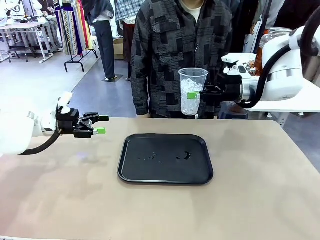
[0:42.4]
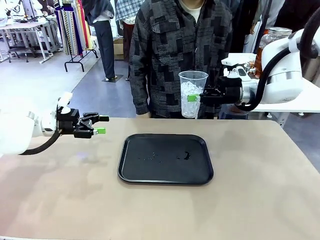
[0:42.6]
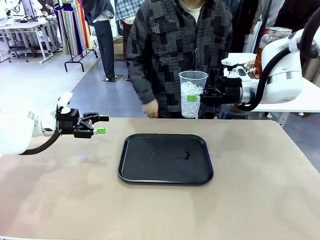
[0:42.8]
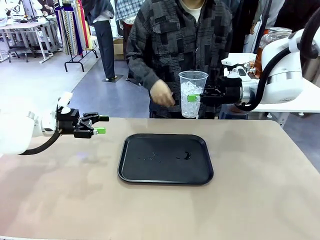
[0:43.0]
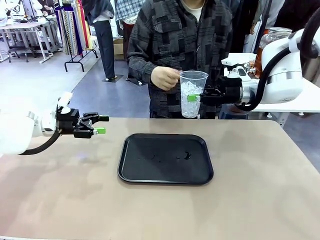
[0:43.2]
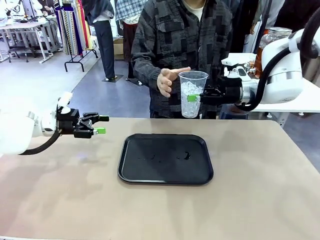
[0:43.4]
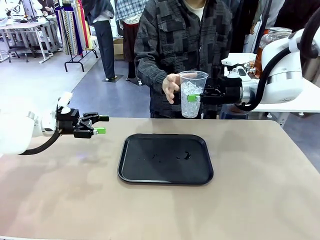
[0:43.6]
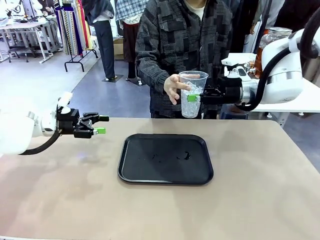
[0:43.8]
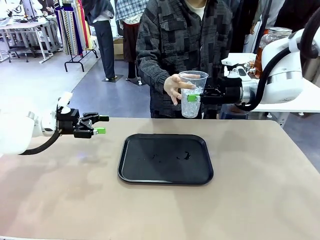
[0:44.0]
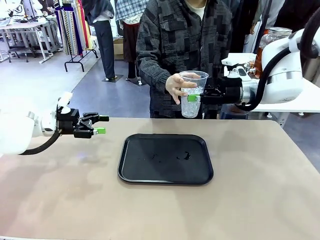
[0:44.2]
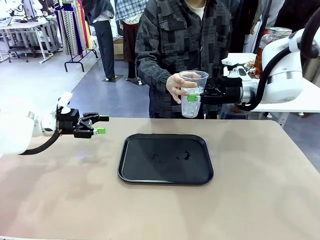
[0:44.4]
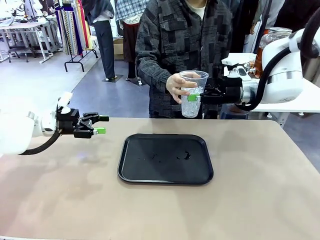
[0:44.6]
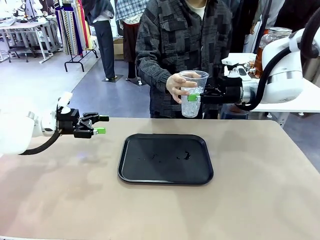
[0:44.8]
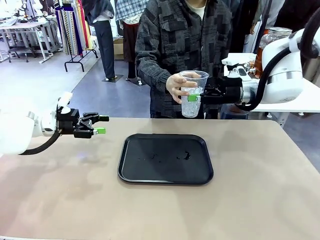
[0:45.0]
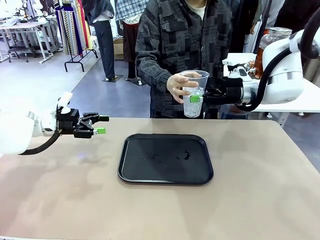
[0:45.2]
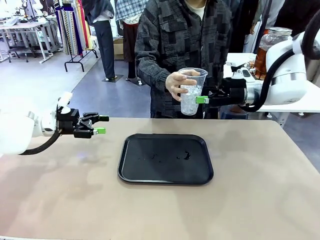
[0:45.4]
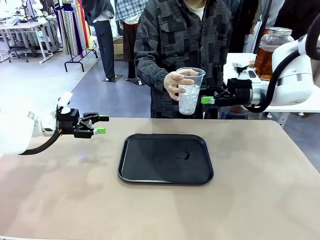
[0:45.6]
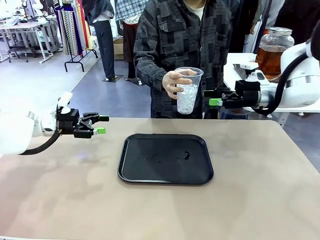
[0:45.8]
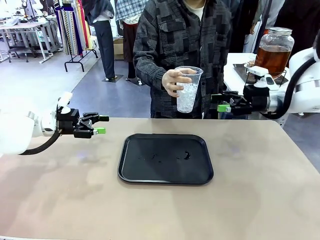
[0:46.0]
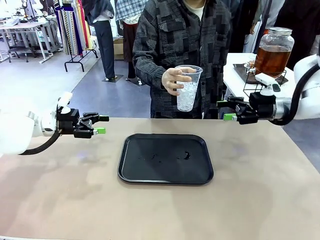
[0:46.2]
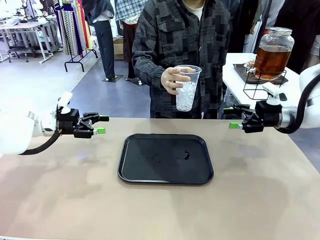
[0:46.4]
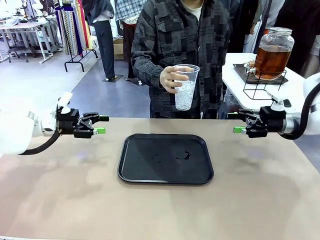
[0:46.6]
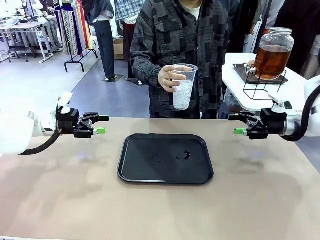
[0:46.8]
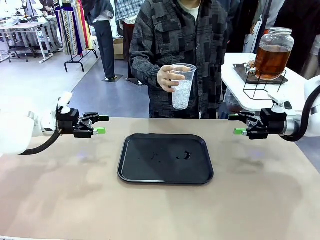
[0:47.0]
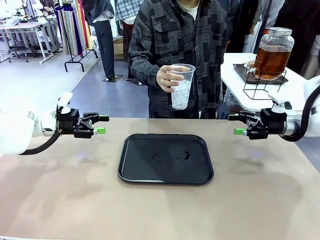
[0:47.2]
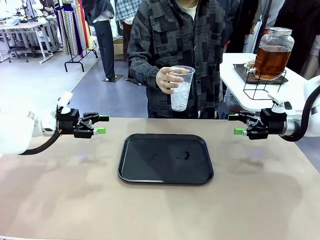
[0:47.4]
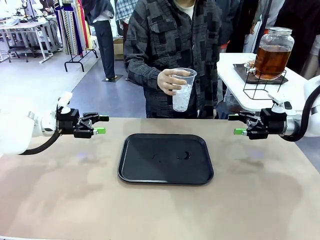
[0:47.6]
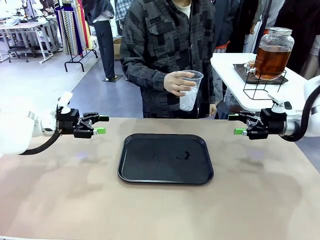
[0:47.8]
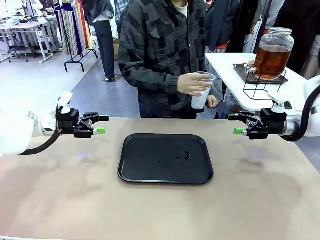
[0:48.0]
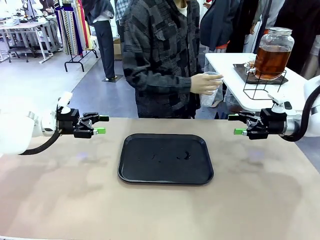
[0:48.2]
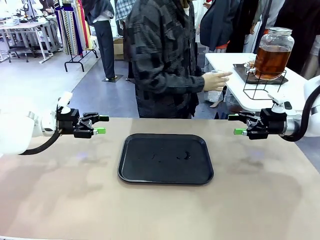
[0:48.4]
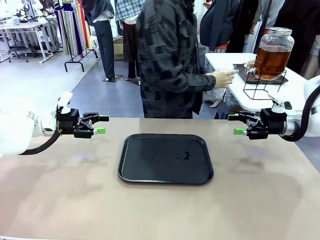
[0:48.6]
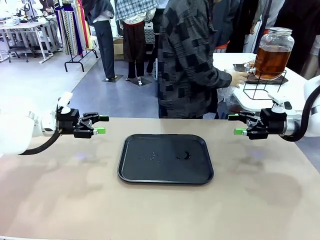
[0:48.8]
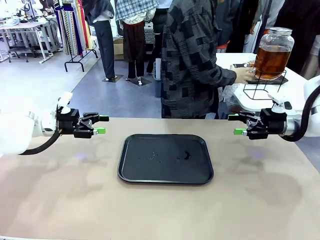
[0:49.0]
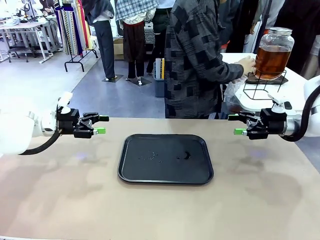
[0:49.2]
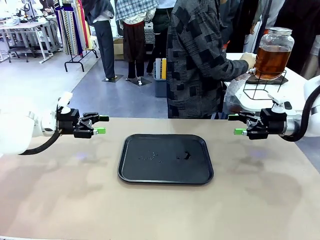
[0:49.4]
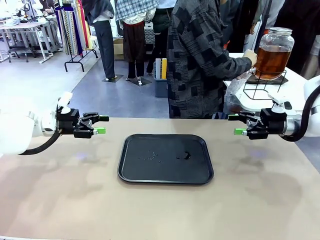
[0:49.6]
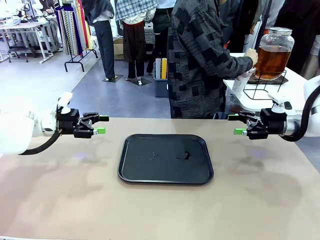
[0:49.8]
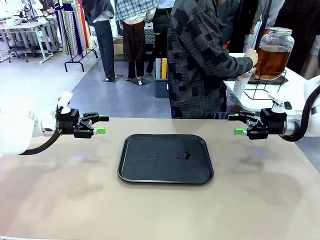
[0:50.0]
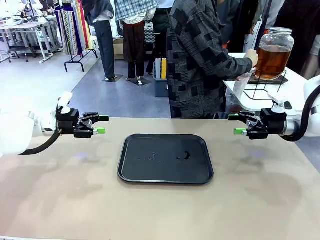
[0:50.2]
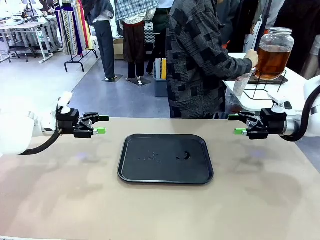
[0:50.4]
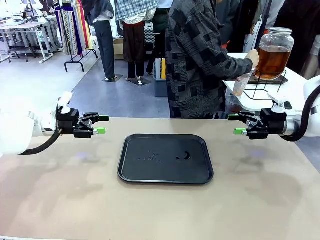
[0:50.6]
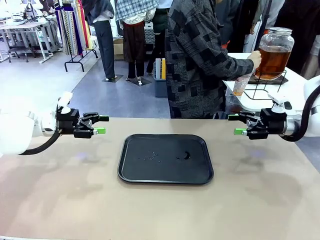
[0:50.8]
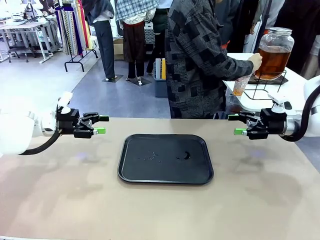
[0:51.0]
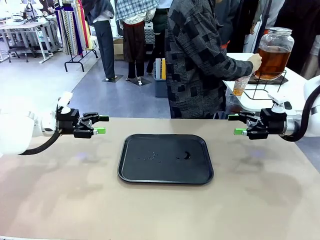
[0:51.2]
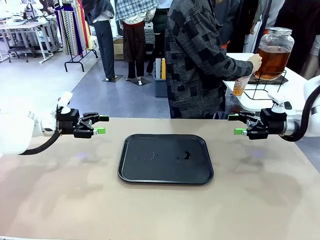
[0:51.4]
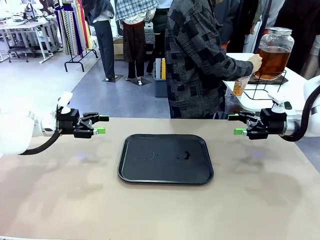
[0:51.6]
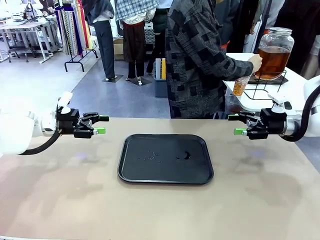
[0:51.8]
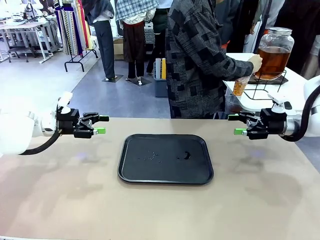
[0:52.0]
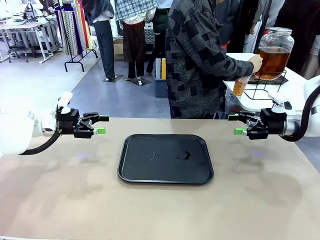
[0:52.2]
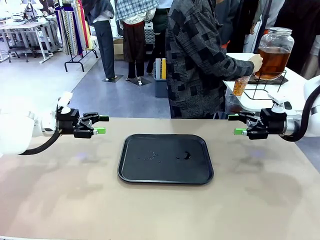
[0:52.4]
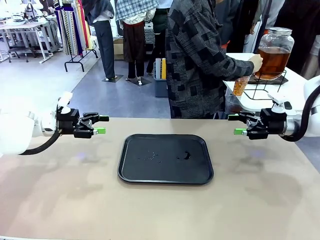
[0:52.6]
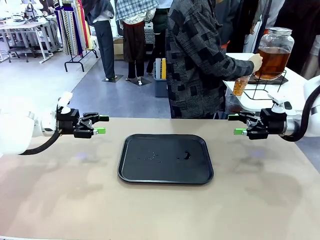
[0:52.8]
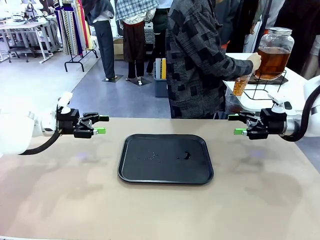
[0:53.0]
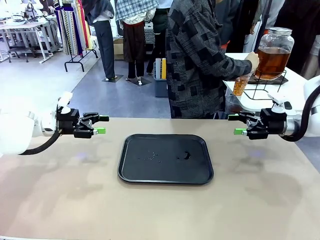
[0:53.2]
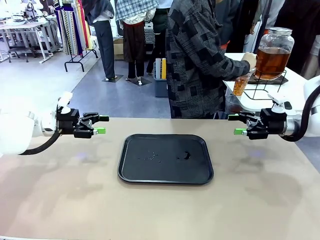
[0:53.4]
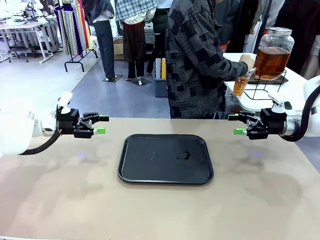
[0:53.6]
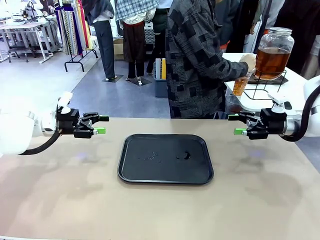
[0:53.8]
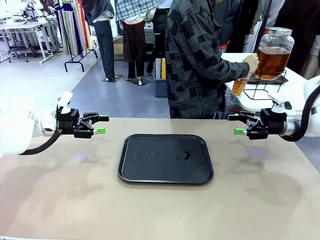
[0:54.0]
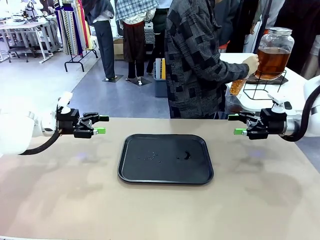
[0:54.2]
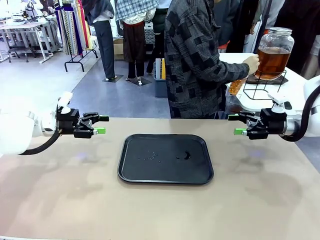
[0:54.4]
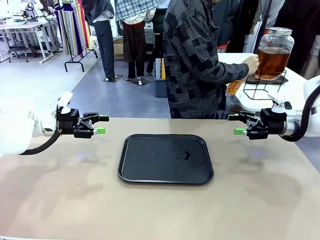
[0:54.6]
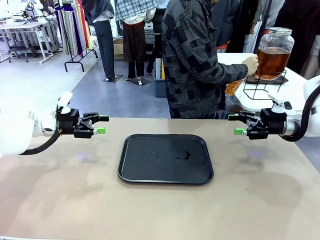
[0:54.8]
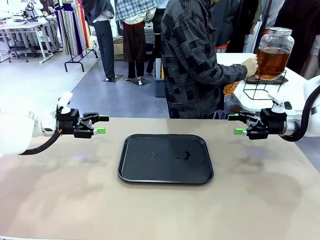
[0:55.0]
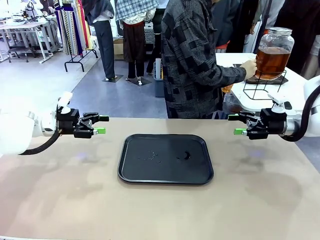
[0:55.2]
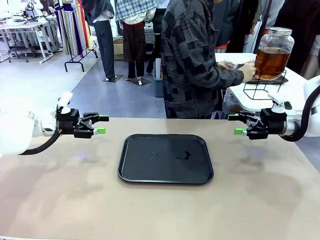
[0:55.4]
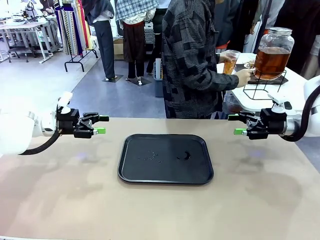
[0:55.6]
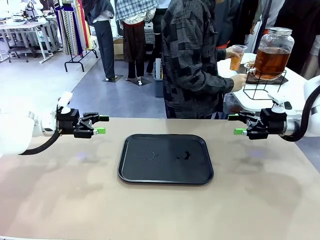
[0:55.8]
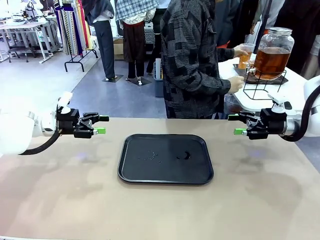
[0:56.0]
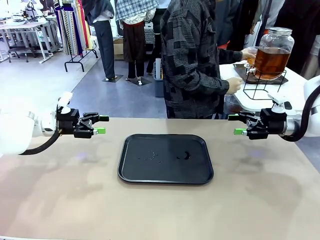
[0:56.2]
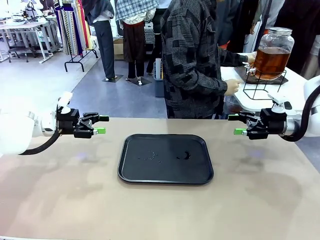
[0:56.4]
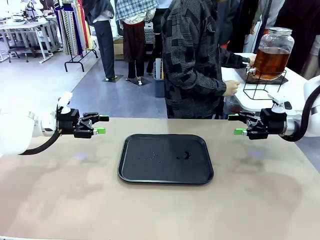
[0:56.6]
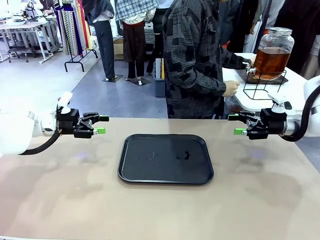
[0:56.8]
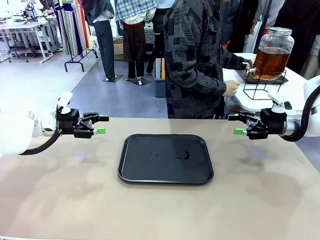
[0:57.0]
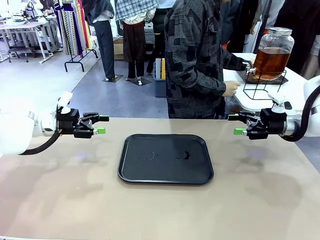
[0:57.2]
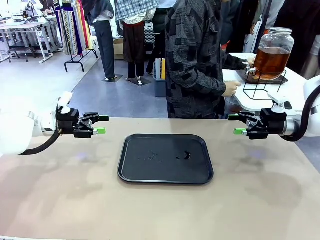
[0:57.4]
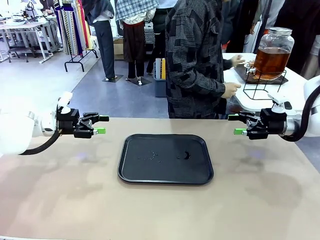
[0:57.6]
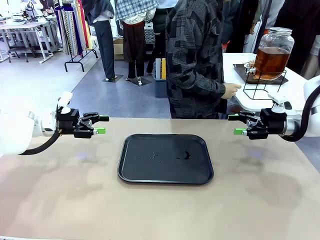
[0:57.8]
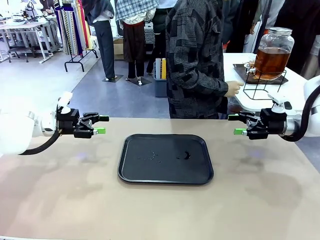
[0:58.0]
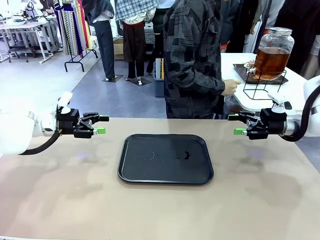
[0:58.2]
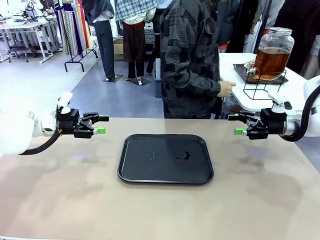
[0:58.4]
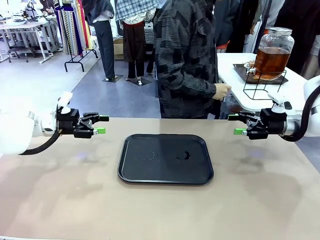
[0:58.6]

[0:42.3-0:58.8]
Task: Pour the drink into the iced cup.
Robot: Open the gripper to release the iced cup you were holding.
Person: Move the picked-up cup under the dispenser faucet, pour the drink, and place it on the tray on the human table.

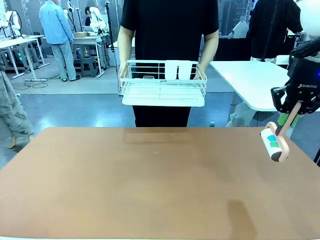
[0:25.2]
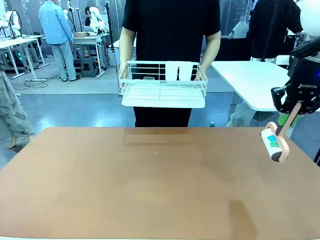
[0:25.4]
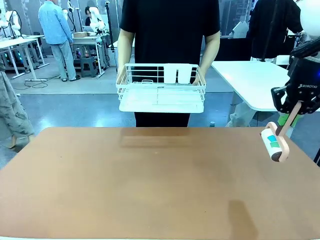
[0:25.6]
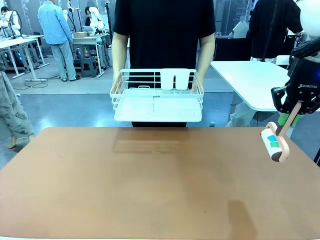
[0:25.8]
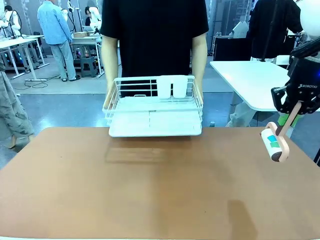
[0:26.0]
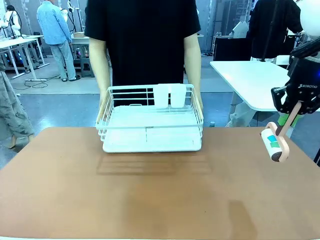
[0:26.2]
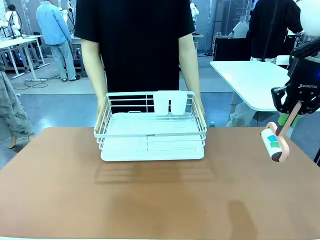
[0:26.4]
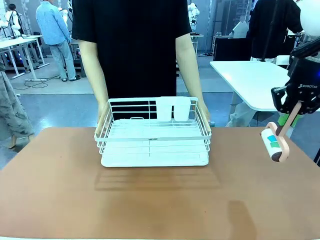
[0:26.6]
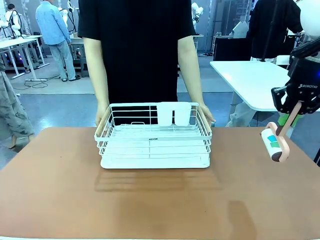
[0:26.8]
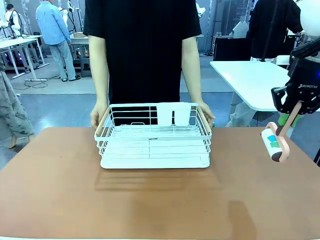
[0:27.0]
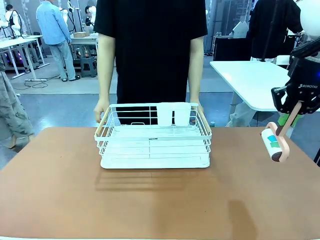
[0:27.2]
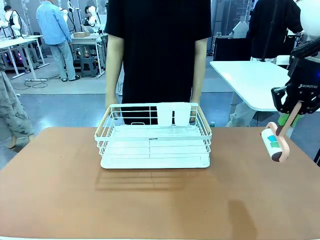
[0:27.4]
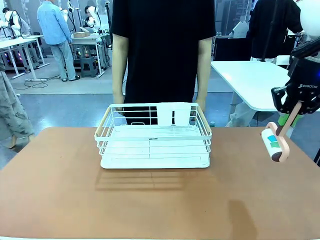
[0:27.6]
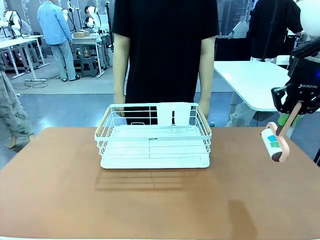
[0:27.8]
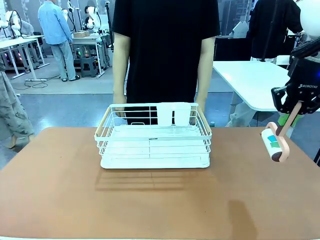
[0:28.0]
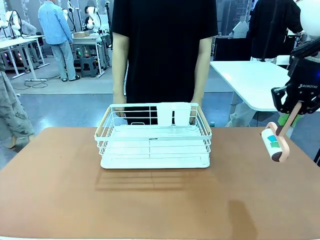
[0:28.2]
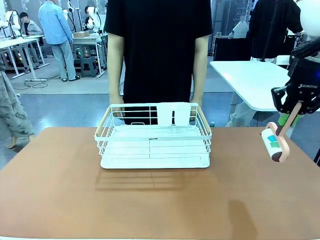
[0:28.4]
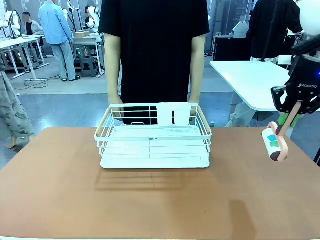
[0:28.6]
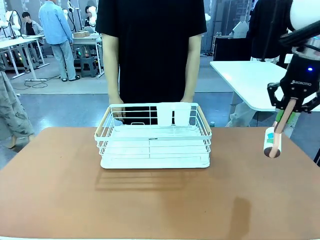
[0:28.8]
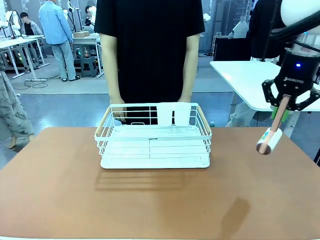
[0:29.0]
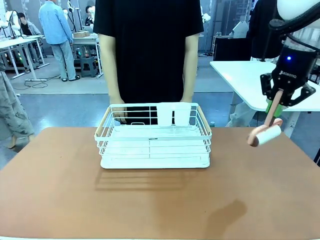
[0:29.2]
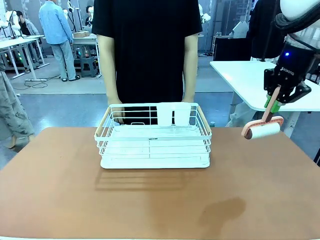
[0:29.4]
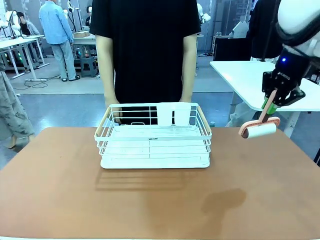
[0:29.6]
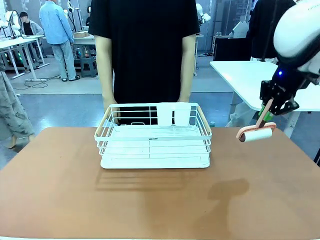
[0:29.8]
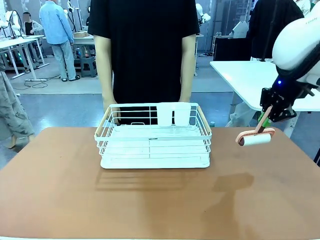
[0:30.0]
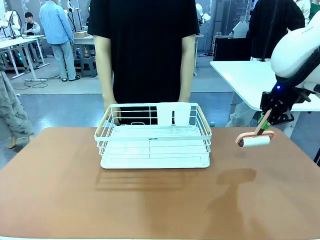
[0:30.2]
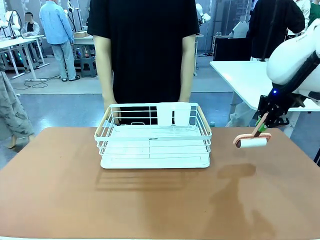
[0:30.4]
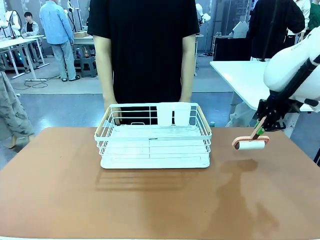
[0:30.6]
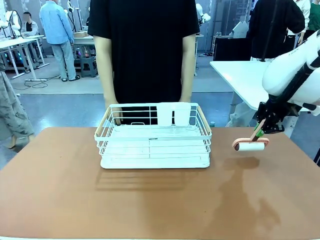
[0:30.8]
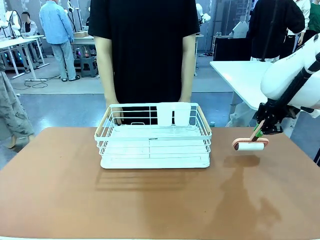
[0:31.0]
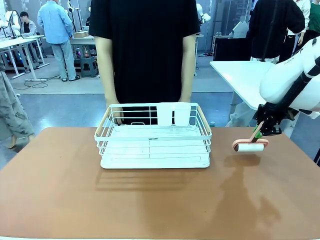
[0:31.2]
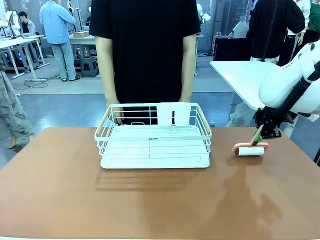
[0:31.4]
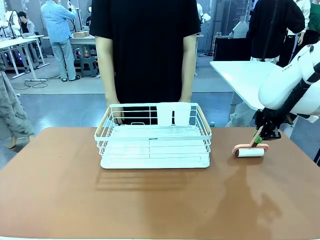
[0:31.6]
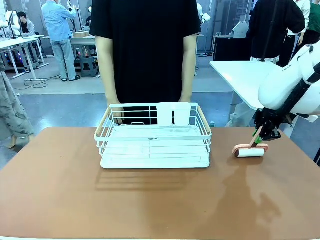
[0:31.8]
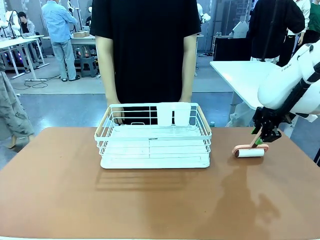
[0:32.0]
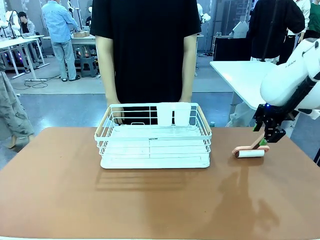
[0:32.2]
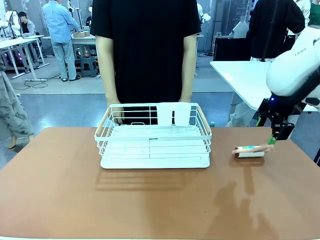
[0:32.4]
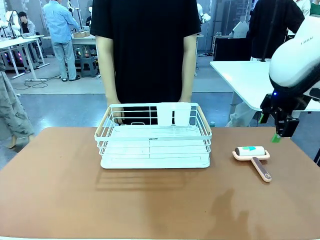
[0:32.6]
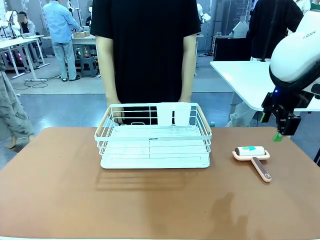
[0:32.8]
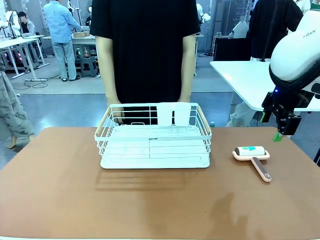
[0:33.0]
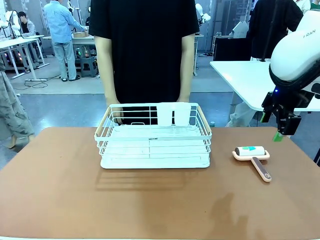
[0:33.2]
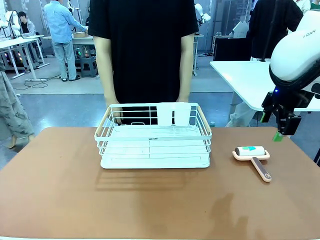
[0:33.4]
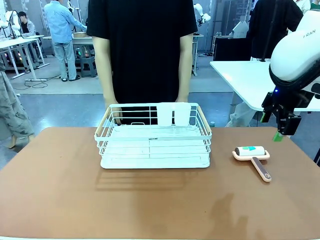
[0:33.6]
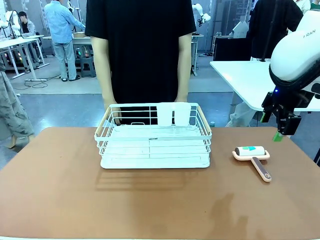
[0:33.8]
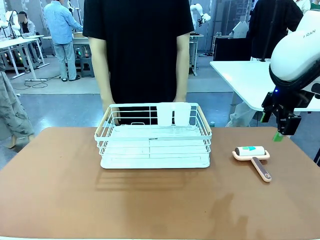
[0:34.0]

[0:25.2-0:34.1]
Task: Clean the table.
Robot: Place the Lint Roller down when the Dish drying rack is positioned in the middle of the table.
